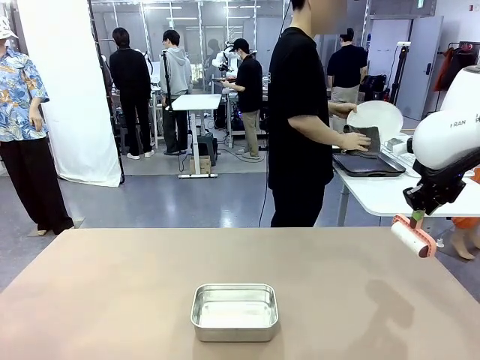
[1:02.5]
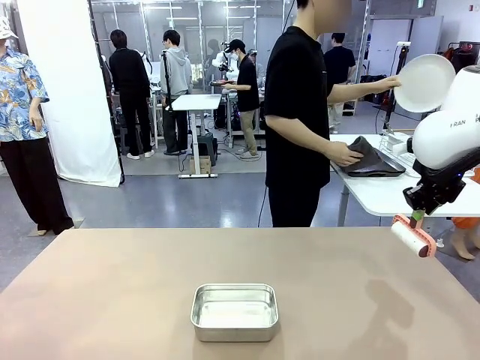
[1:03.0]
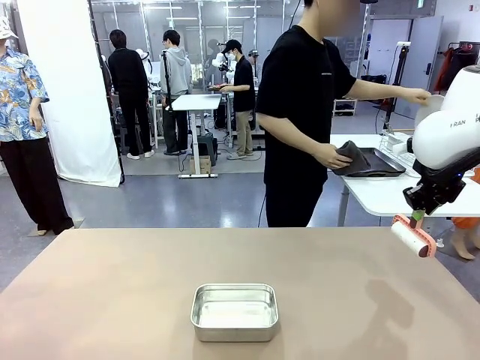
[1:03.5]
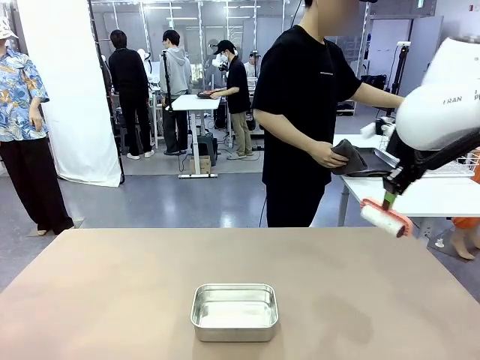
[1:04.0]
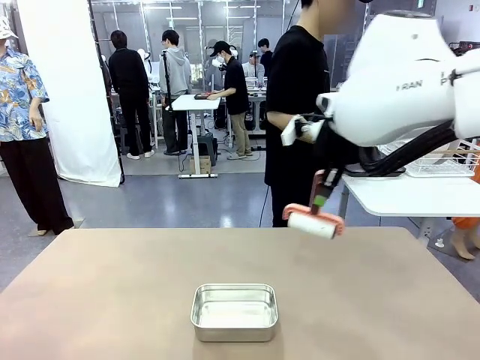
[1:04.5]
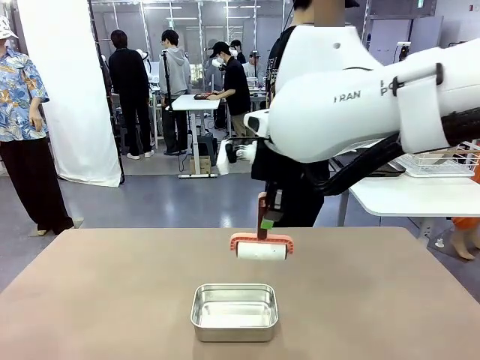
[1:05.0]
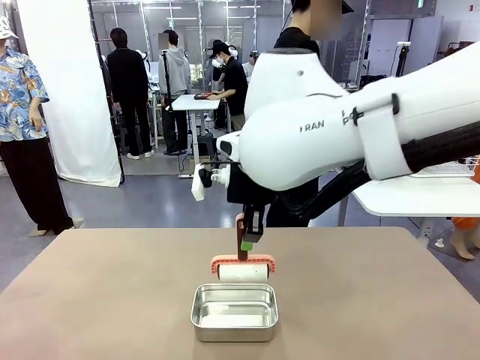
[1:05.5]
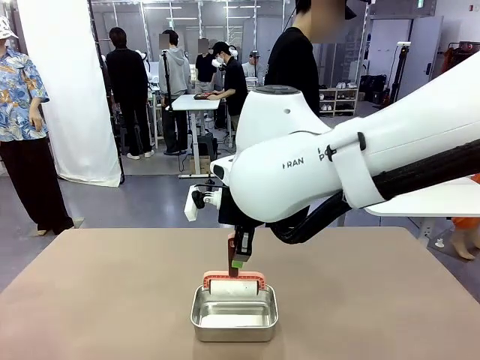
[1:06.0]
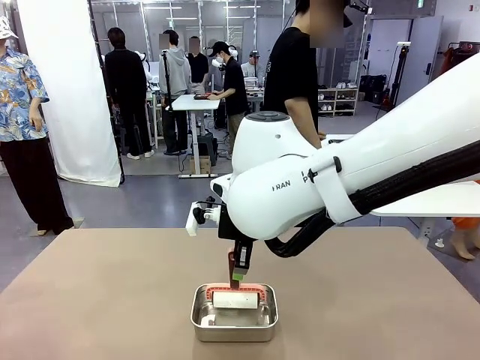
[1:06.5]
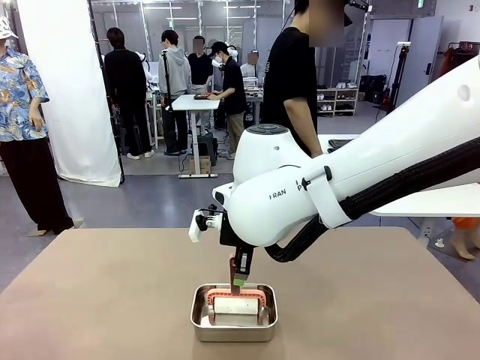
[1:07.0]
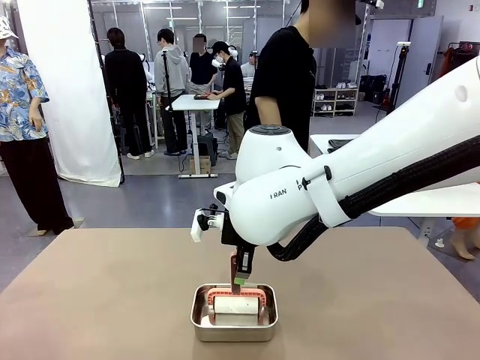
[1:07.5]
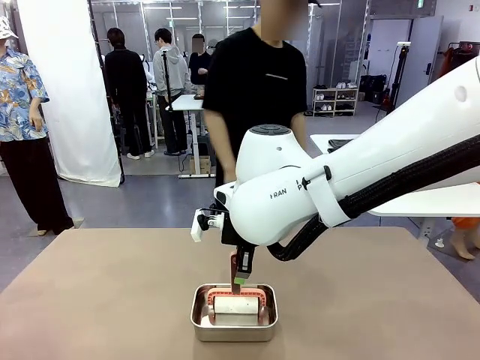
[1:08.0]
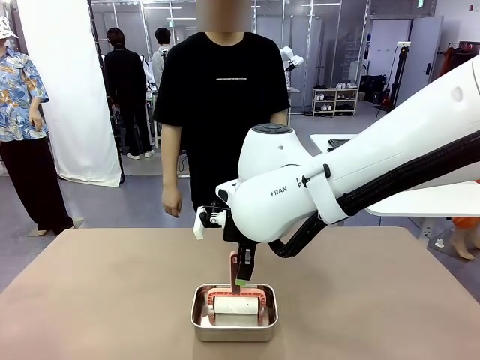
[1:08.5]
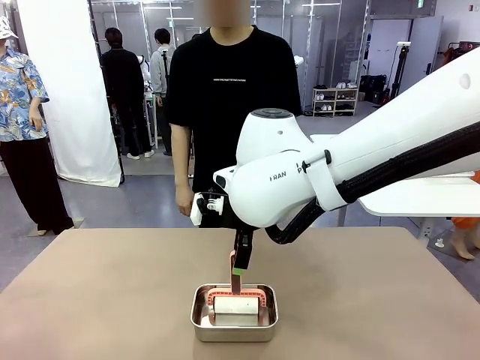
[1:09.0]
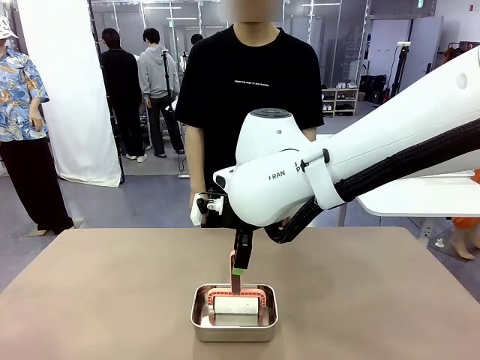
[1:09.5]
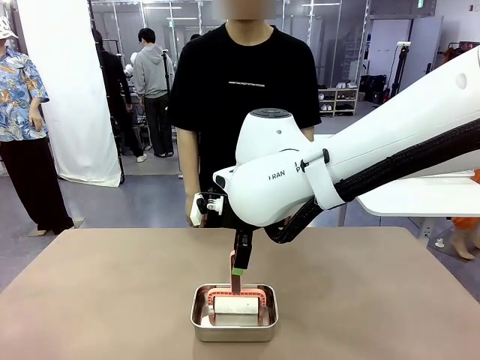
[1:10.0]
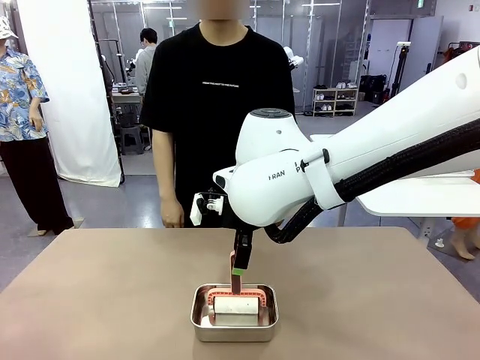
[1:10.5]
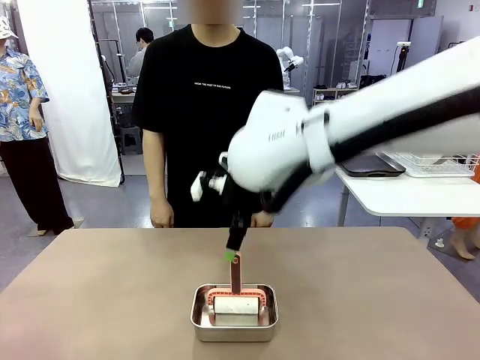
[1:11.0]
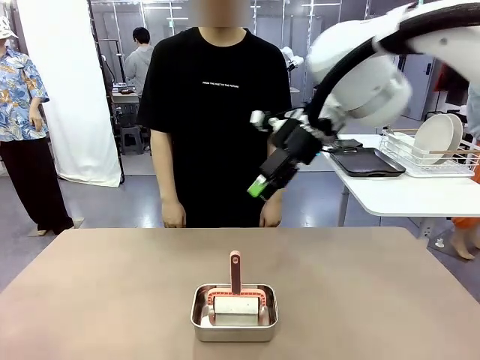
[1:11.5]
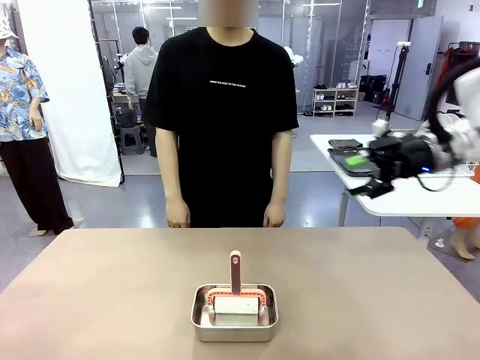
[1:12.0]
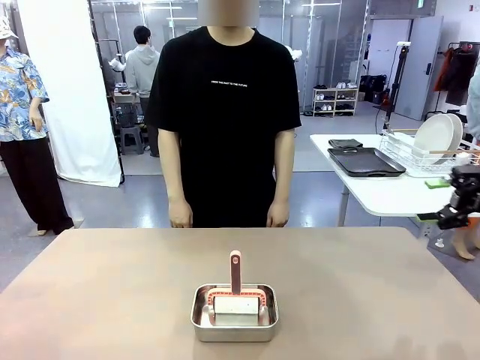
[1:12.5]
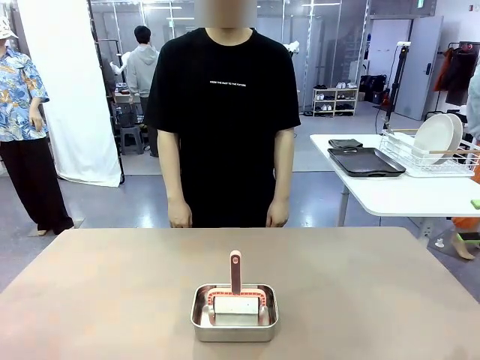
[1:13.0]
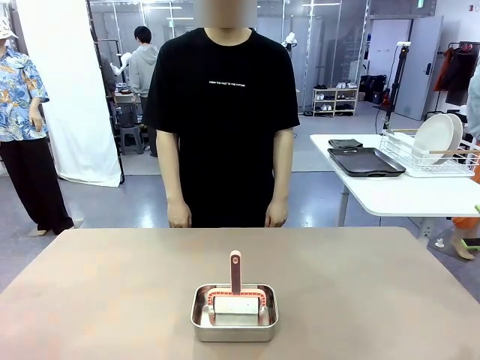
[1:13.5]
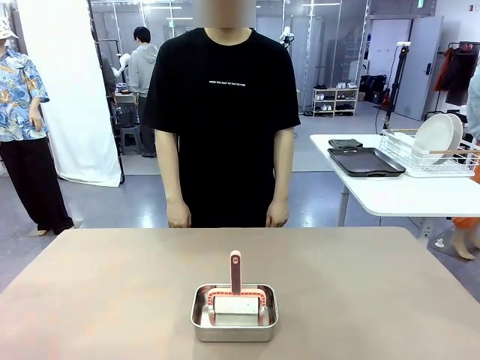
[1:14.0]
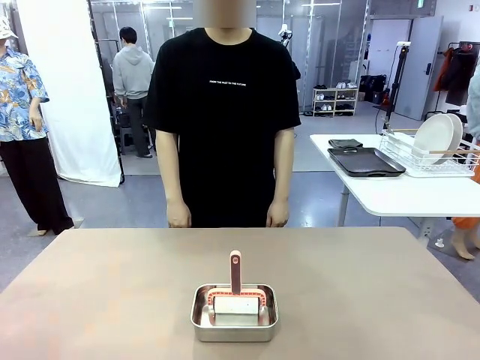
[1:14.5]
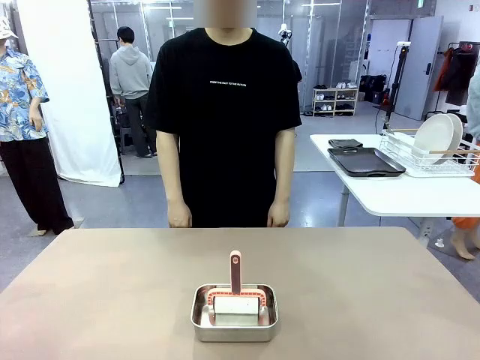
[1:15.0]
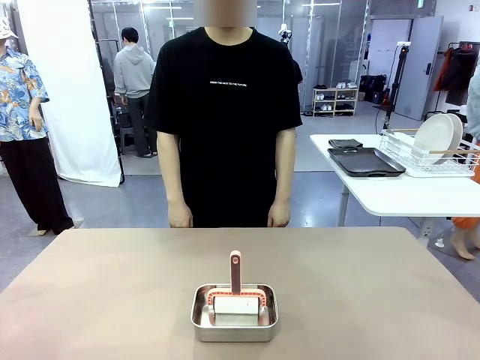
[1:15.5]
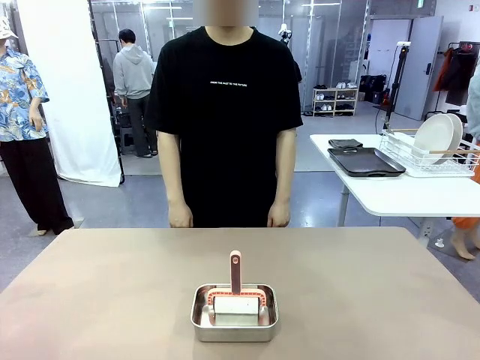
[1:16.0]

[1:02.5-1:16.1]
Robot: Place the Lint Roller back on top of the Airtight Container.

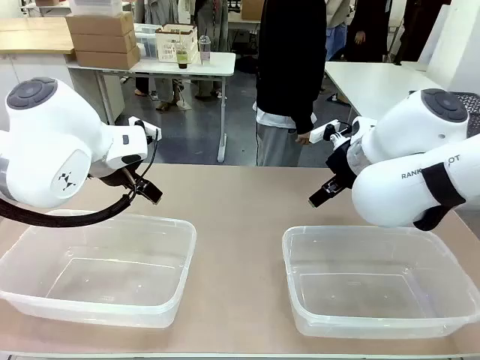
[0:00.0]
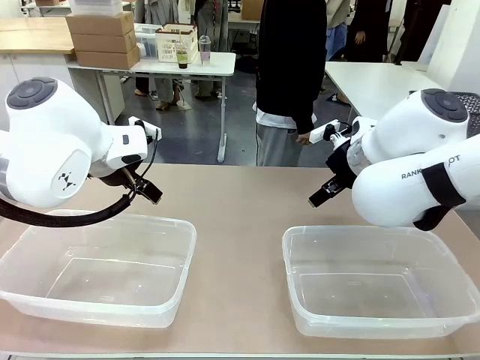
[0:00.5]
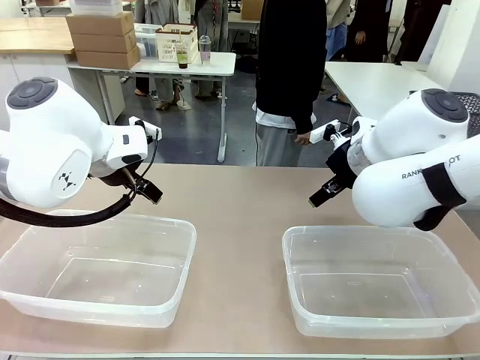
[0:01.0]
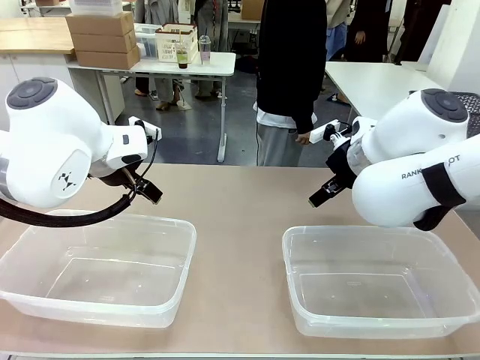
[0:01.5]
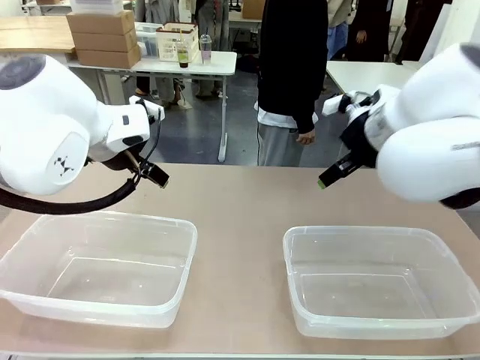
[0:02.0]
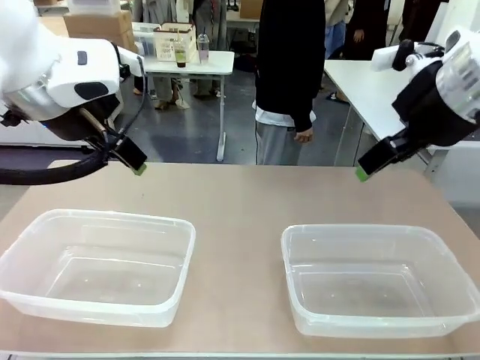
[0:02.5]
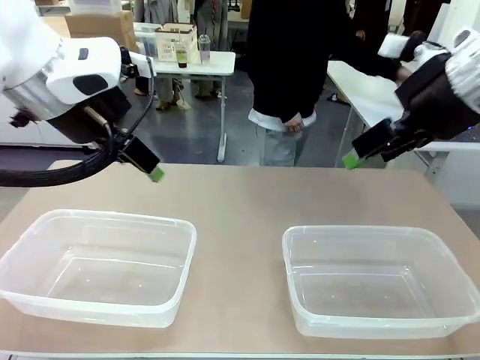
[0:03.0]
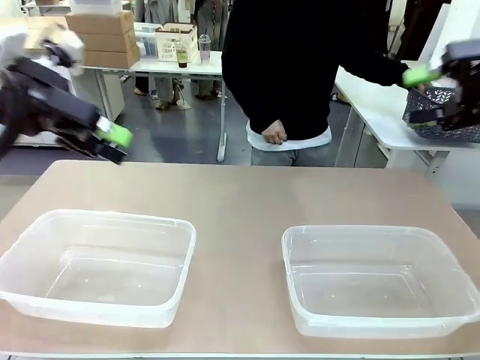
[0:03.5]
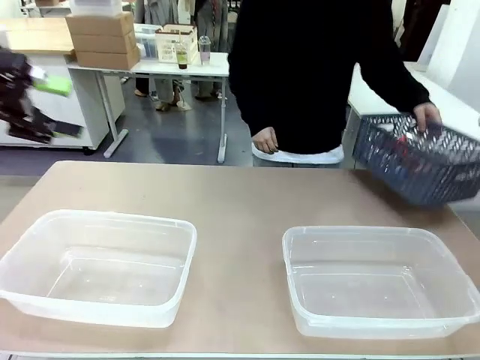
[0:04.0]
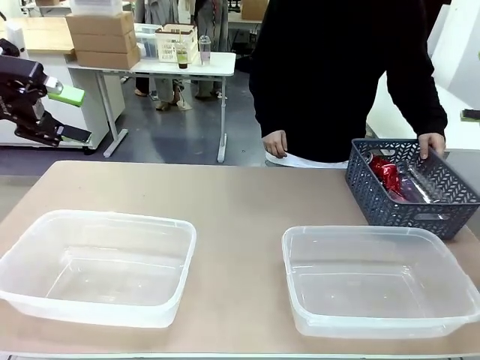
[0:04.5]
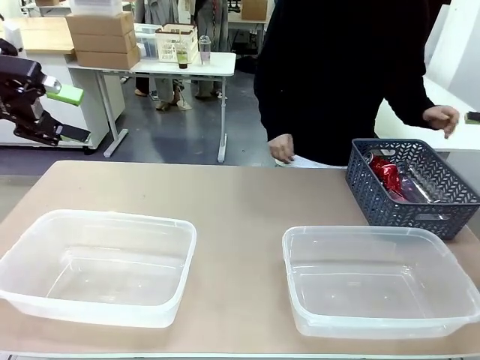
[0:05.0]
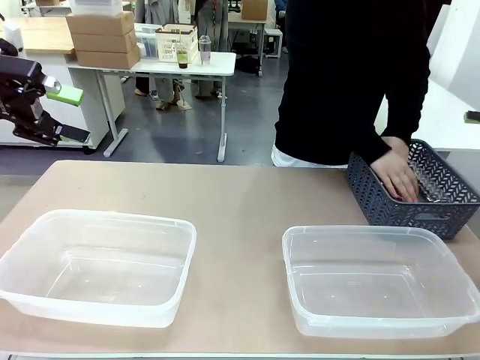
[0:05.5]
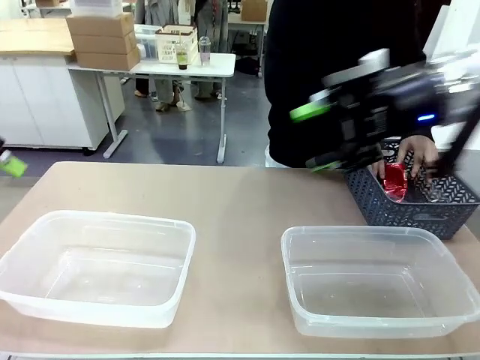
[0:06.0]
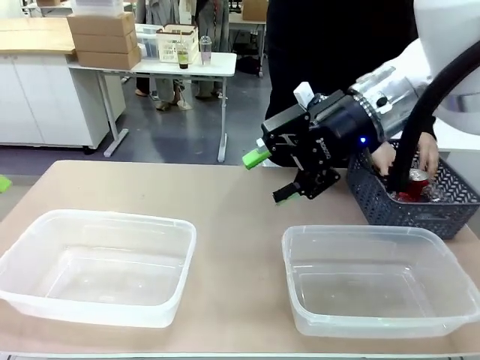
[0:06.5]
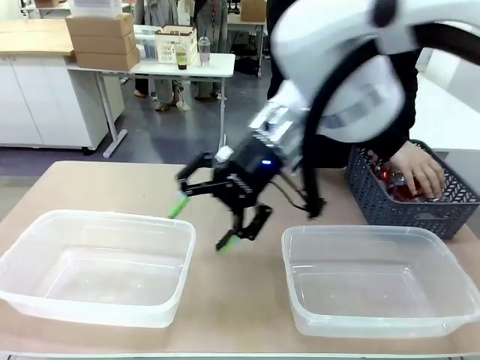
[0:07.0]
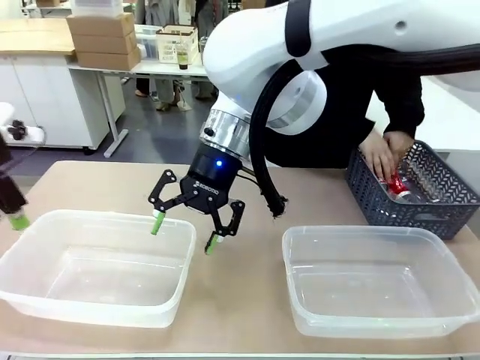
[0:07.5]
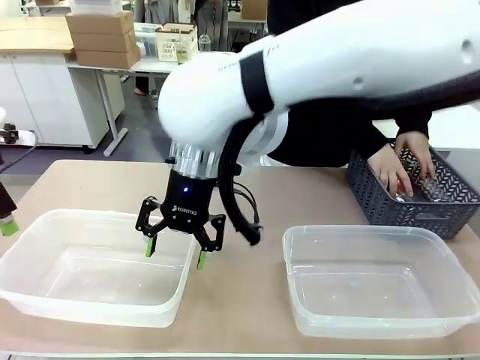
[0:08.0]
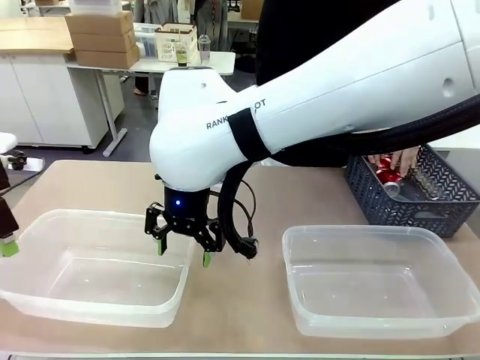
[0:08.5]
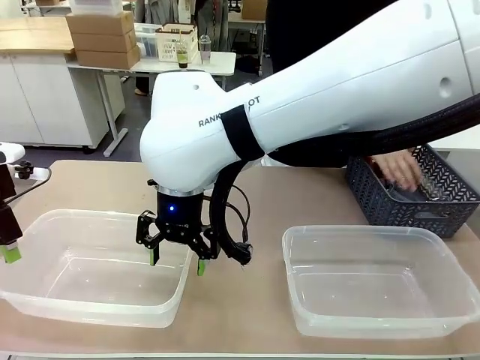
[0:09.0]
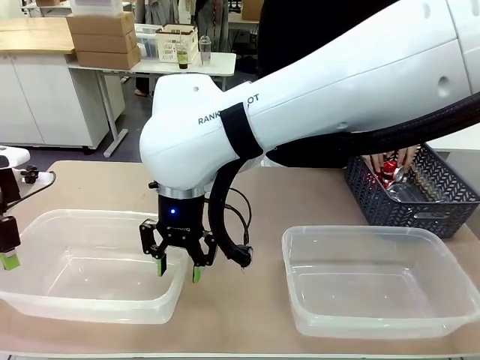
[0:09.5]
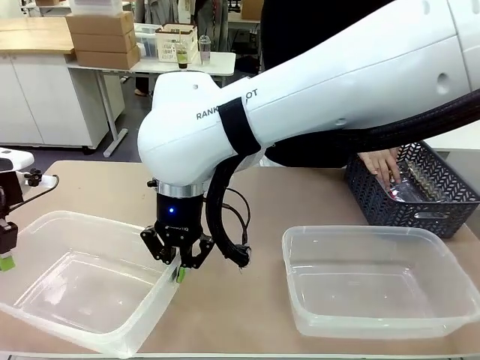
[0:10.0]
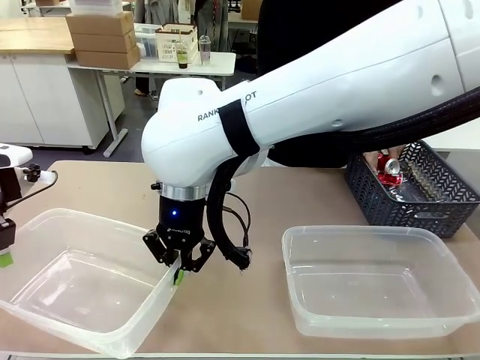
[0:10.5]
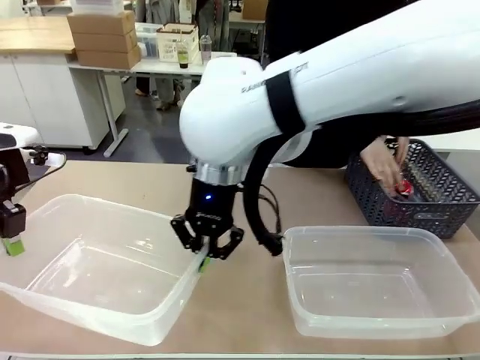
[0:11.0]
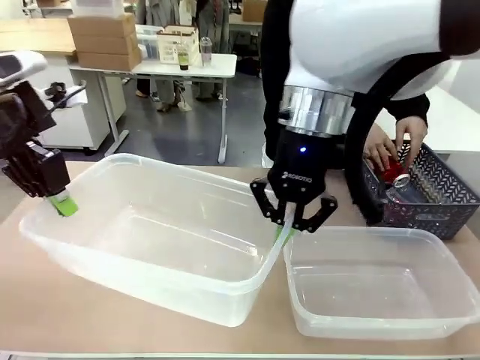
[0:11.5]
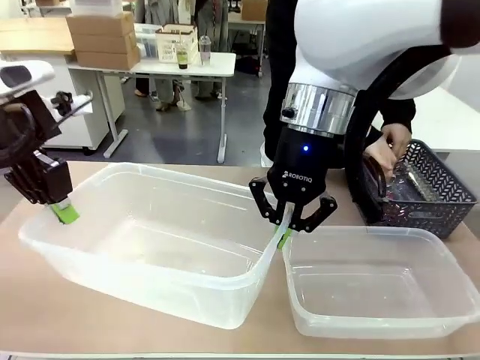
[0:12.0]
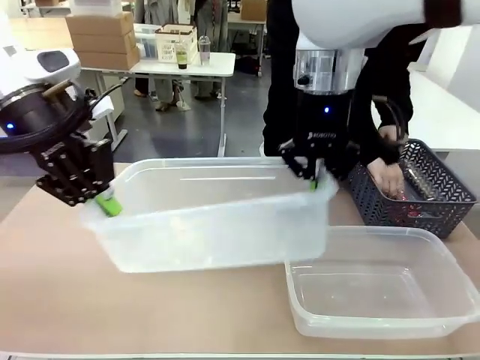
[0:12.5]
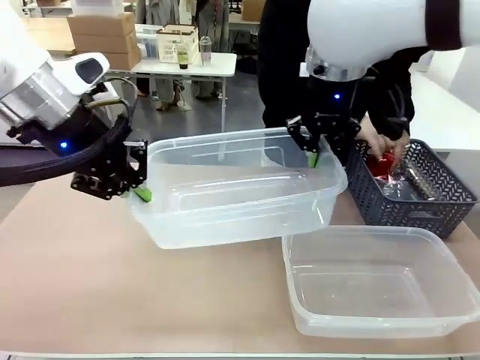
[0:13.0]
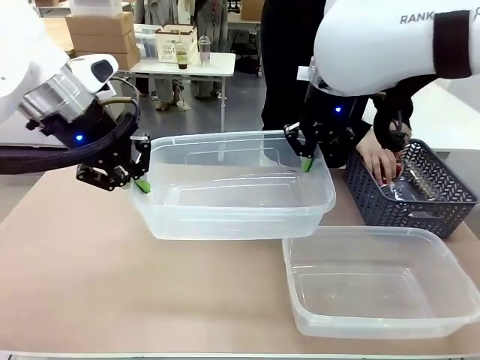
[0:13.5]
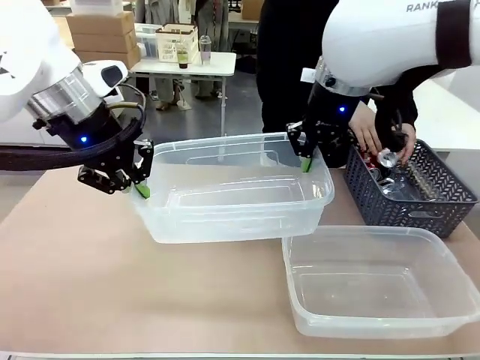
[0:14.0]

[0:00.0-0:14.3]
Robot: Pick up the Organizing box on the left side of the table and lift it.
Person: Pick up the storage basket and place it on the left side of the robot table. Pick up can-shaped waste one by one and place it into the organizing box lifted by the robot.
